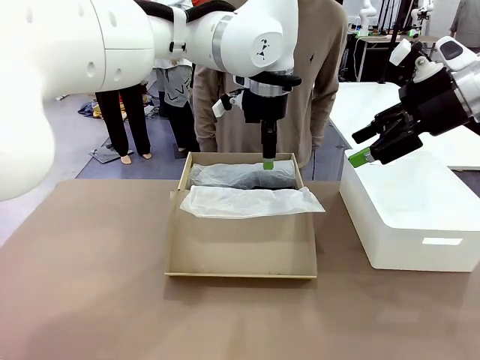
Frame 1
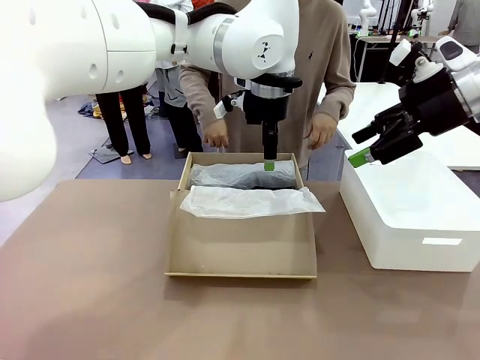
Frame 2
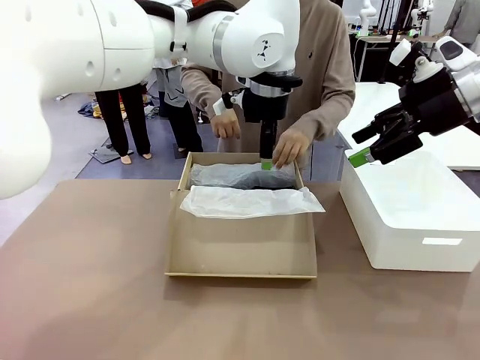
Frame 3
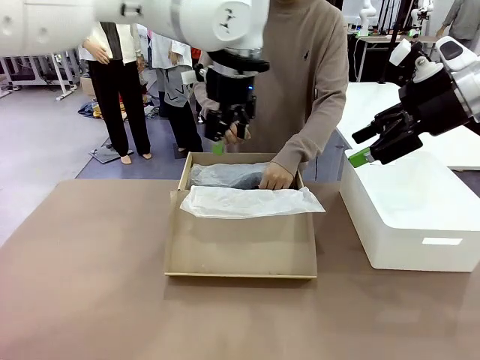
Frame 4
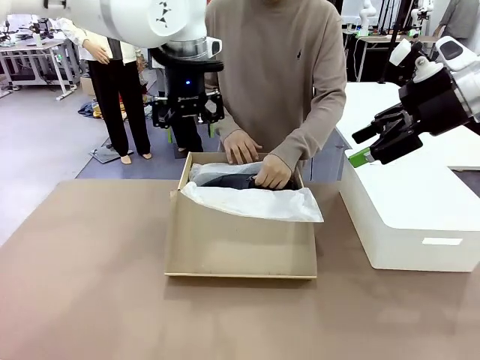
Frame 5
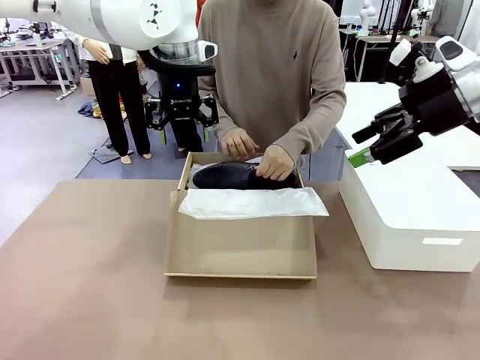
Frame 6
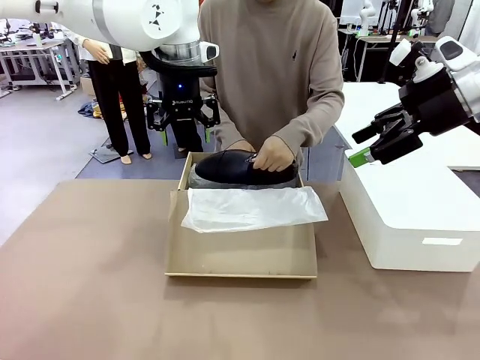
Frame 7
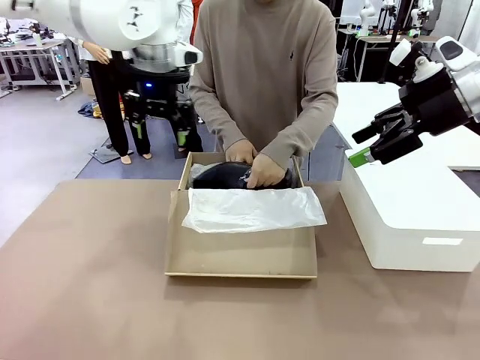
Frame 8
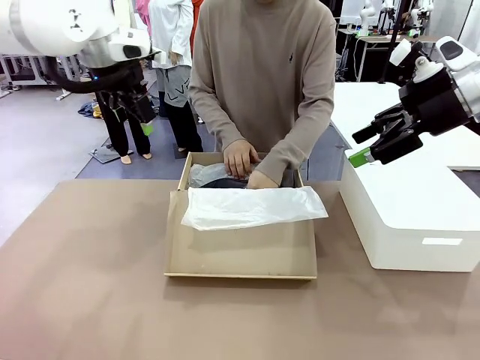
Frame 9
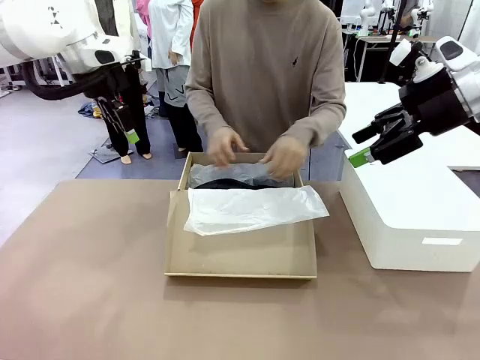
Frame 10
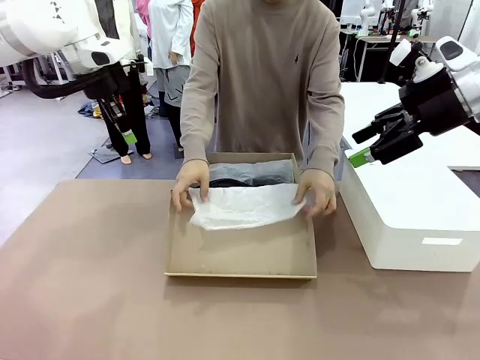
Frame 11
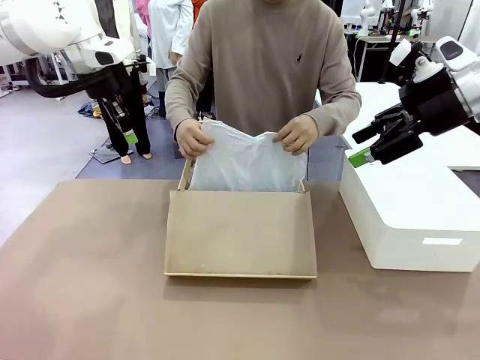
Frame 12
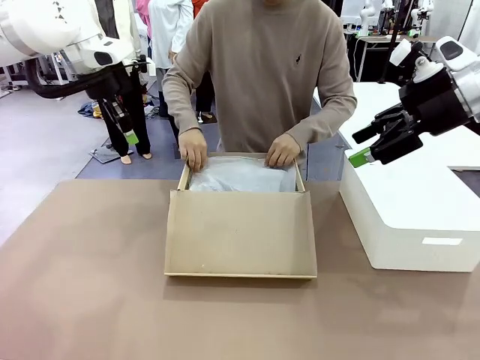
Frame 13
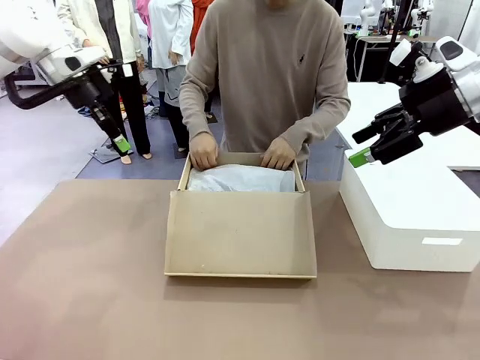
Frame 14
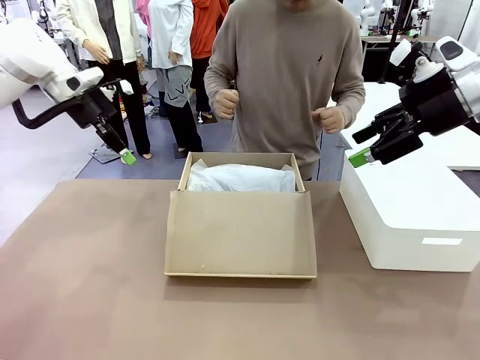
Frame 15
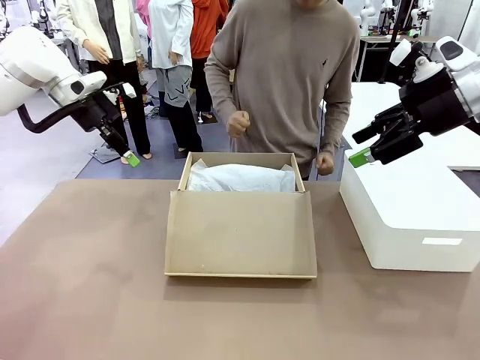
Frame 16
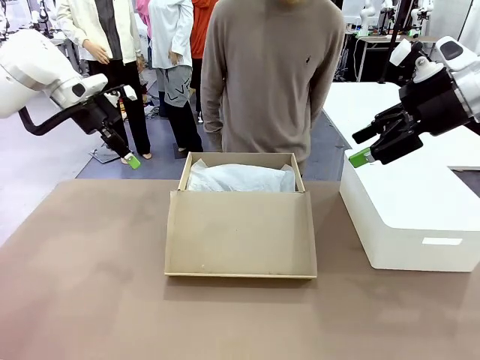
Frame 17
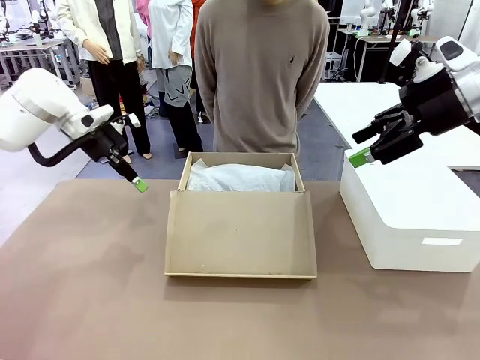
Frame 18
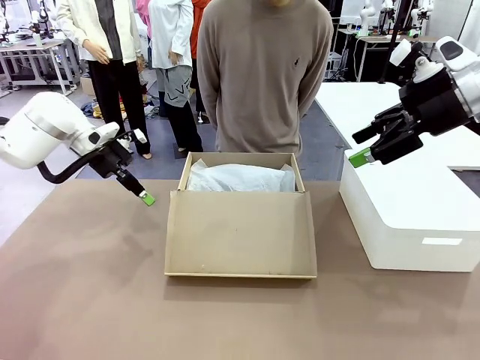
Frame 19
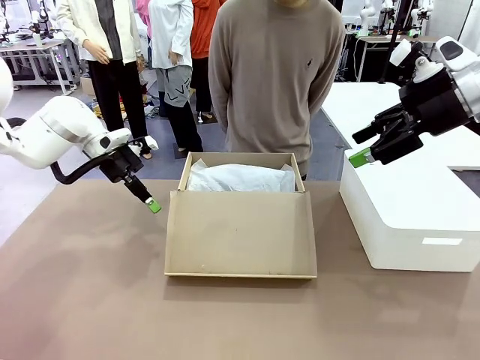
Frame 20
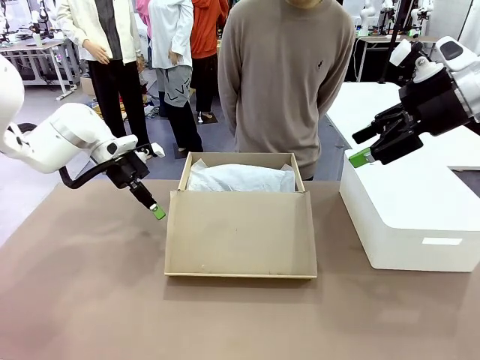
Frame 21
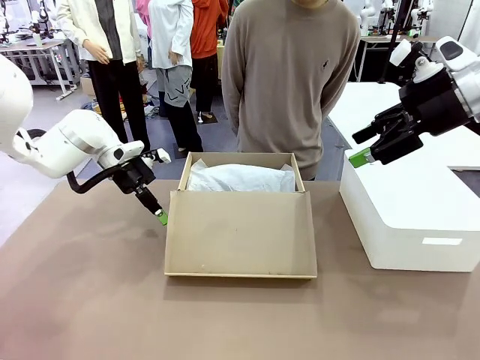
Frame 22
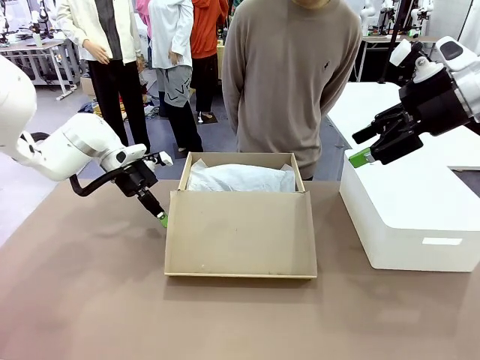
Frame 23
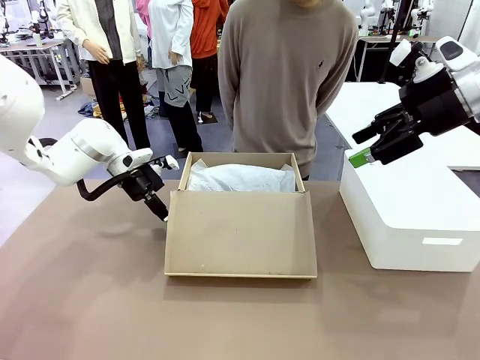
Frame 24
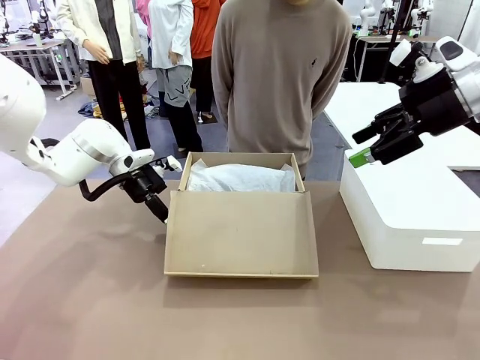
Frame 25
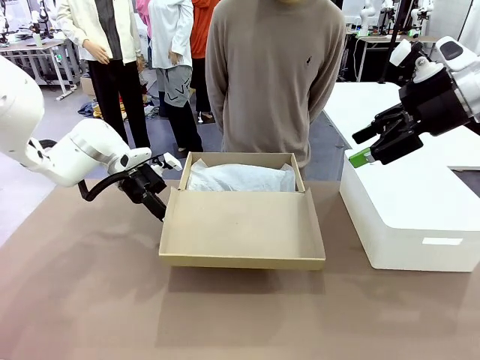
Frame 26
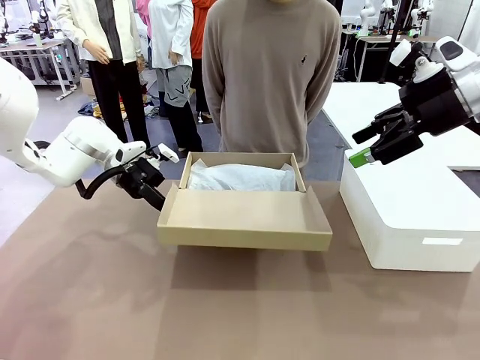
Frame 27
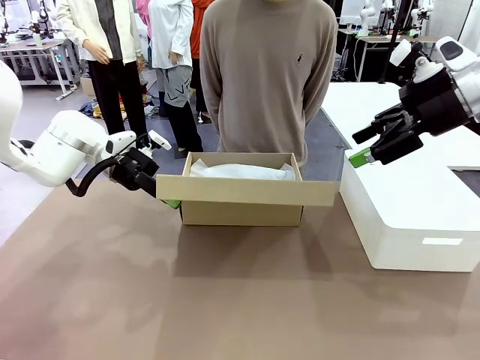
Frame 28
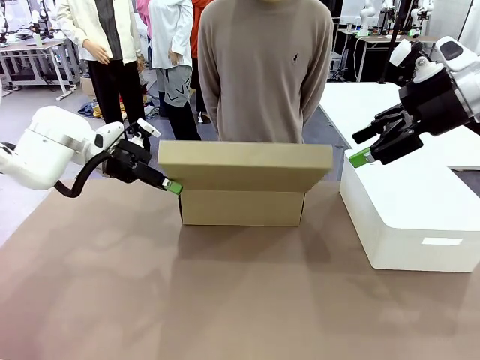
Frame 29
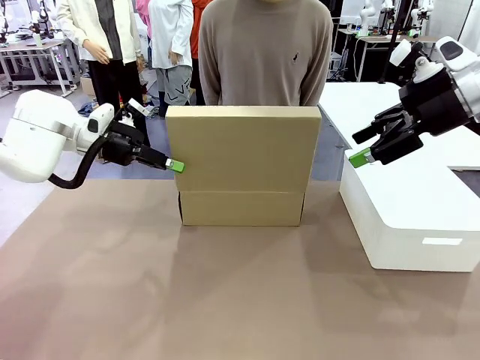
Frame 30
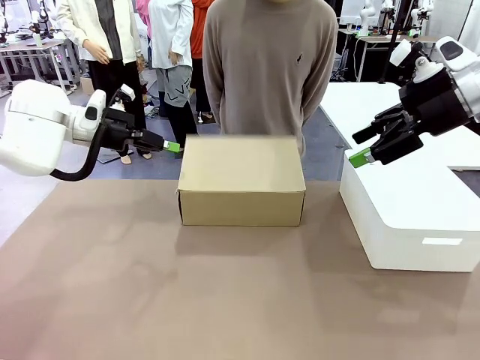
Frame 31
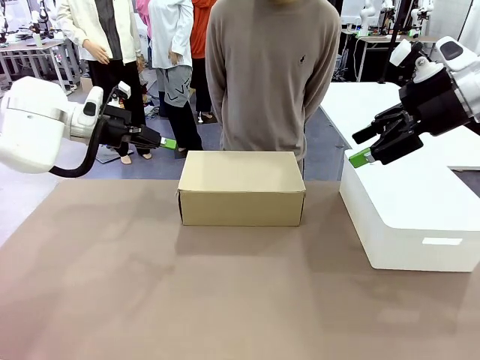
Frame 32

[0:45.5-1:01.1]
Task: Pack the shoes into the box.
Robot: Close the Shoes Box.

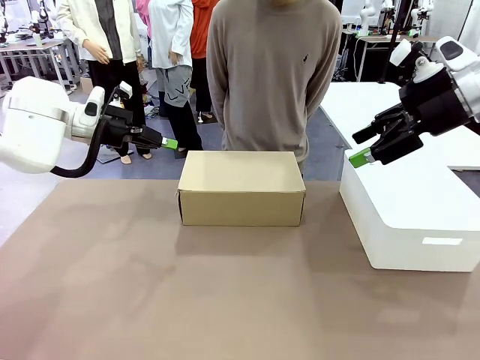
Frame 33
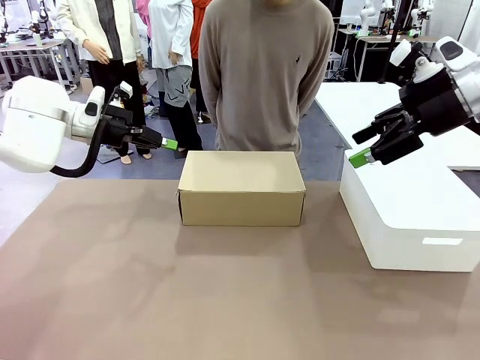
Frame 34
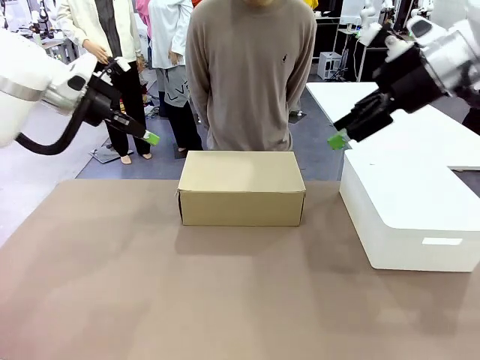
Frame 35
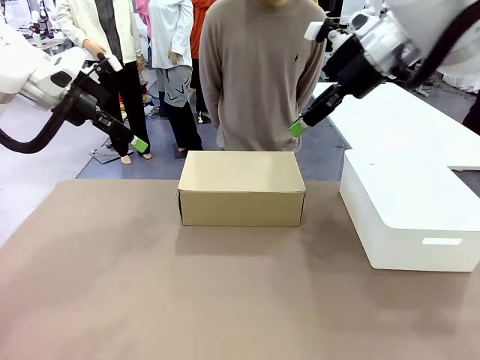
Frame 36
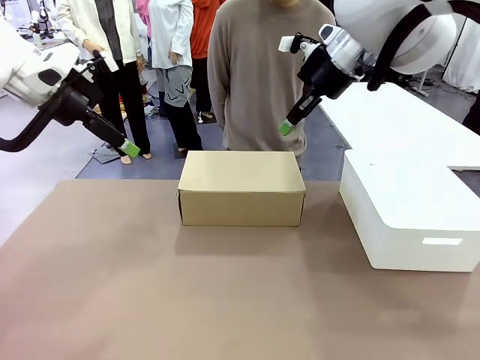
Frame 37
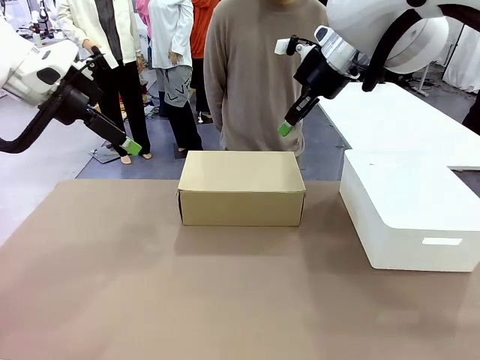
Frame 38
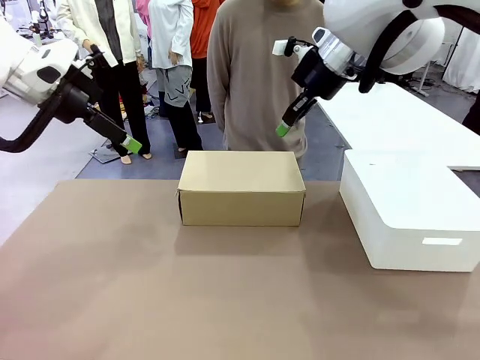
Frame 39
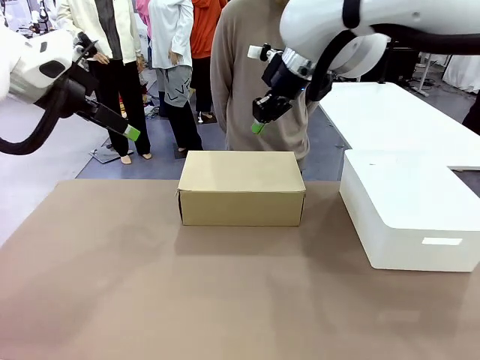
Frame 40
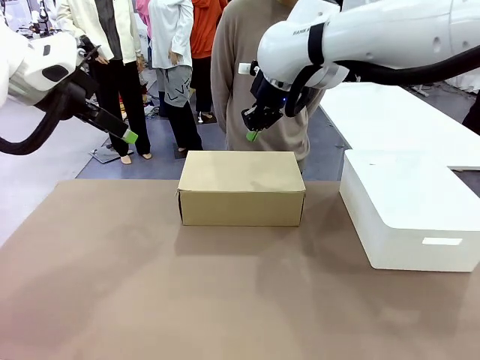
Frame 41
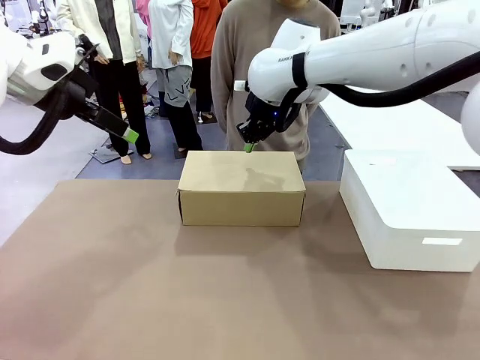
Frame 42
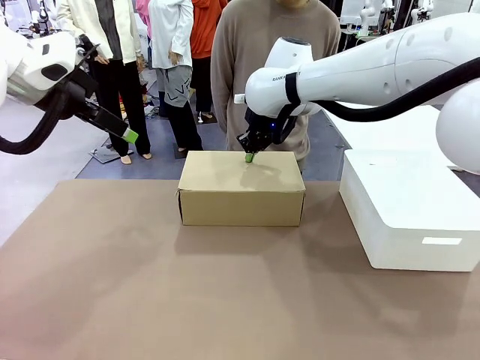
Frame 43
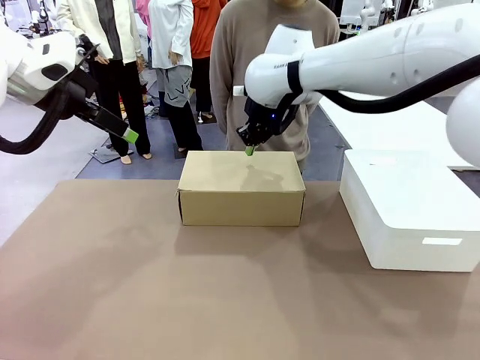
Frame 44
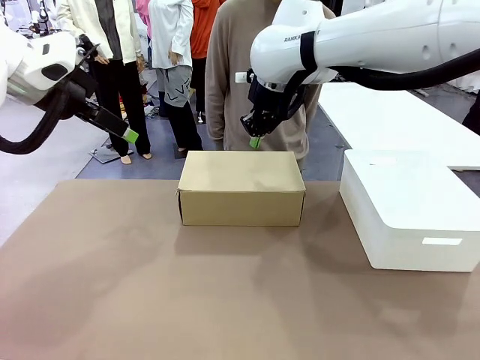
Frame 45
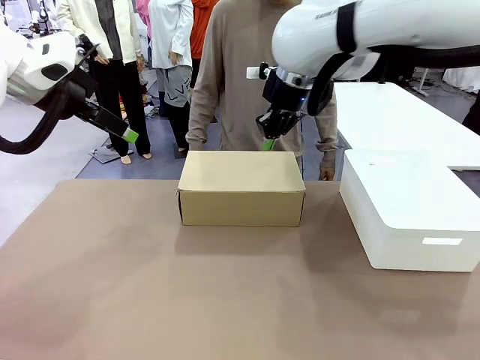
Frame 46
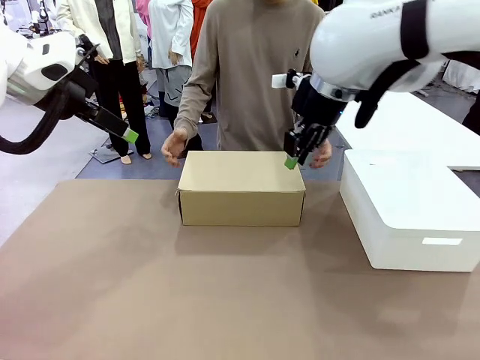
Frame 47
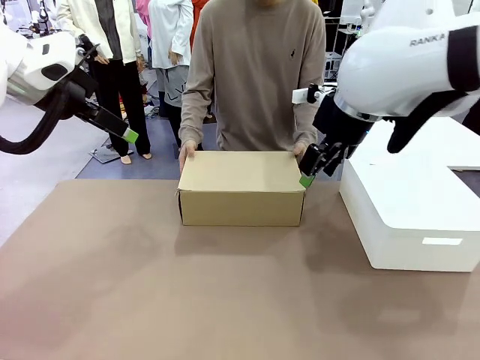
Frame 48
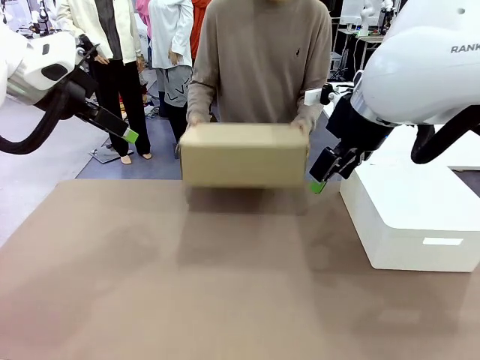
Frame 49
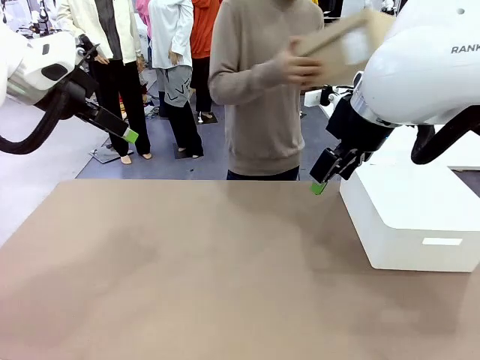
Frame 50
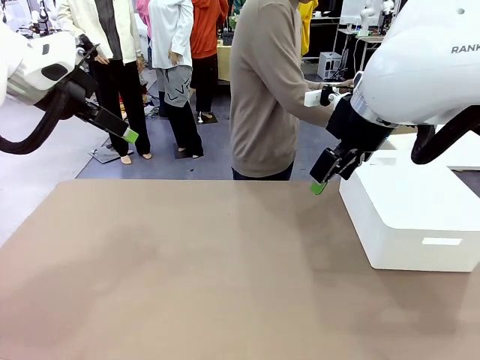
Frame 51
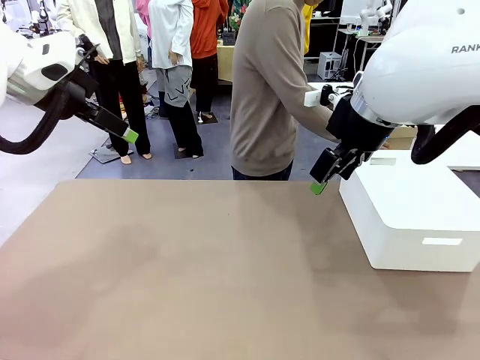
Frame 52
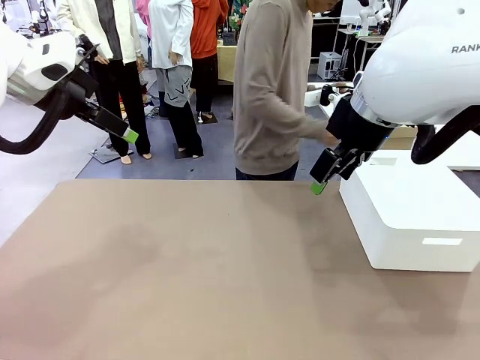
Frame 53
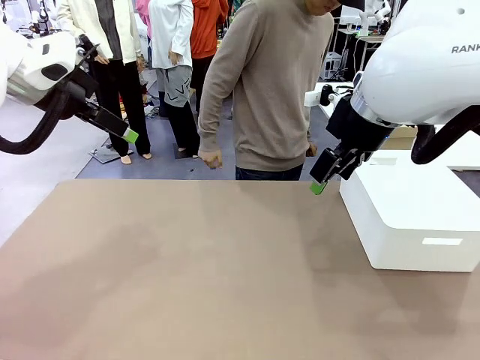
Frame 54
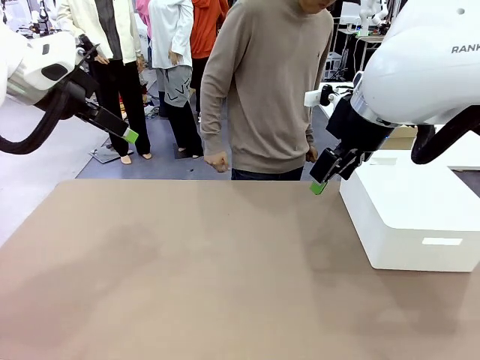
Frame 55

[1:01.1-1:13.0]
Robot: Press down on the lid of the Shoes Box.
Person: Place the closed Shoes Box to the right side of the human table.
